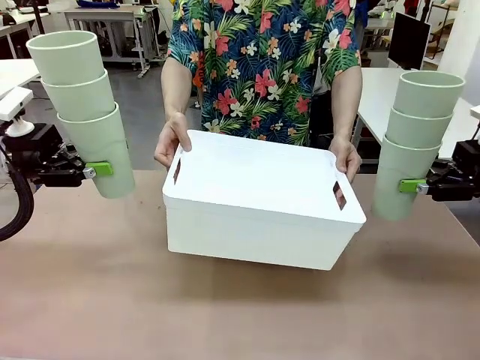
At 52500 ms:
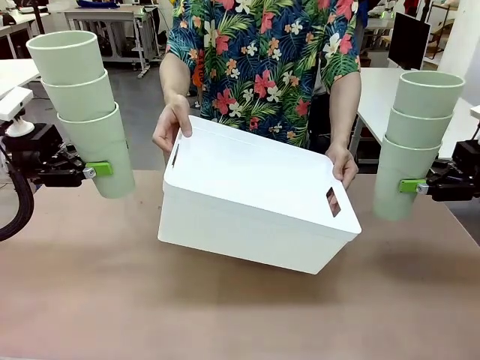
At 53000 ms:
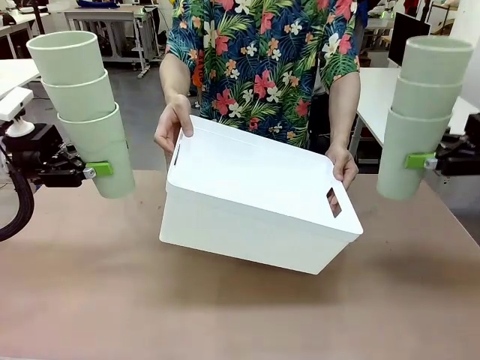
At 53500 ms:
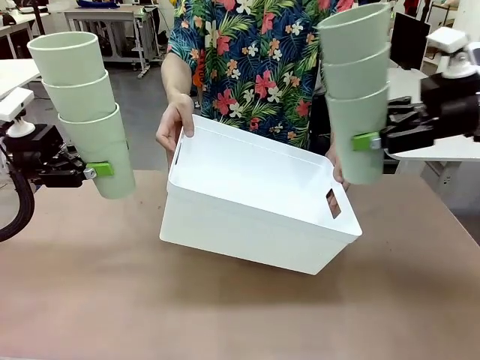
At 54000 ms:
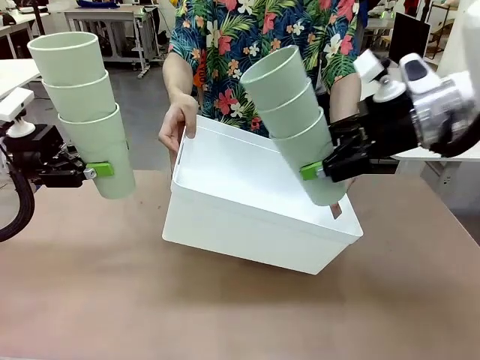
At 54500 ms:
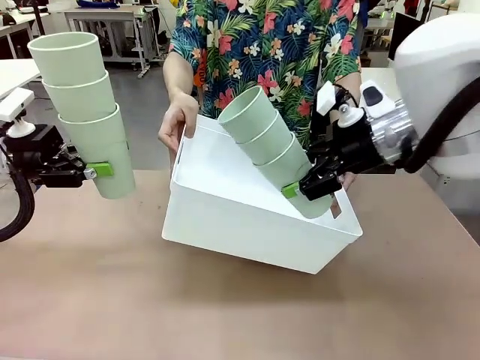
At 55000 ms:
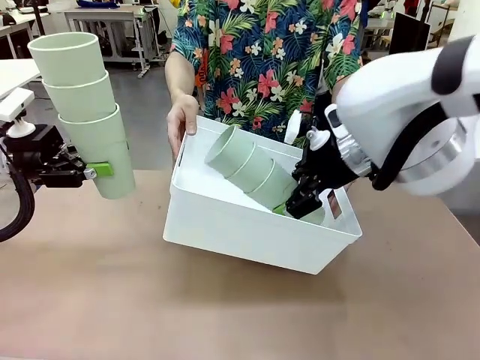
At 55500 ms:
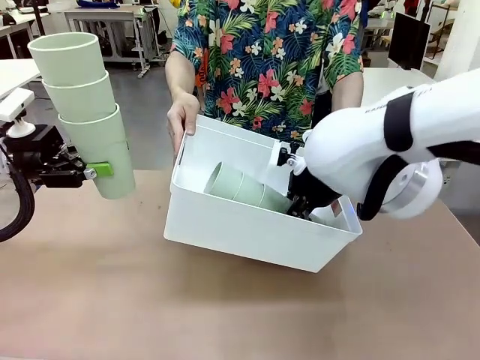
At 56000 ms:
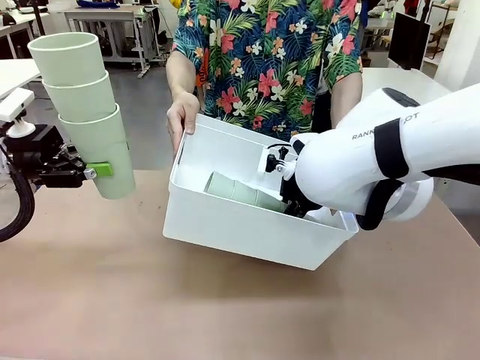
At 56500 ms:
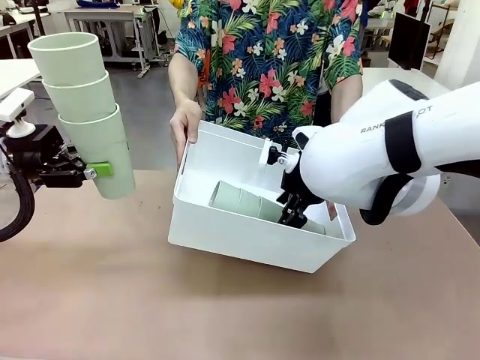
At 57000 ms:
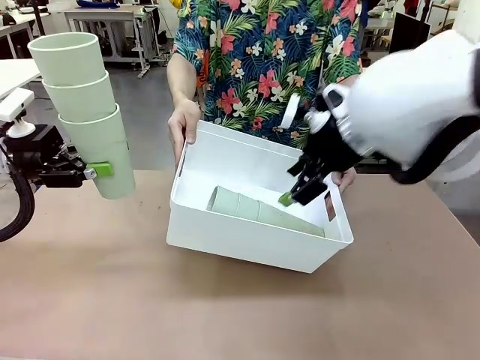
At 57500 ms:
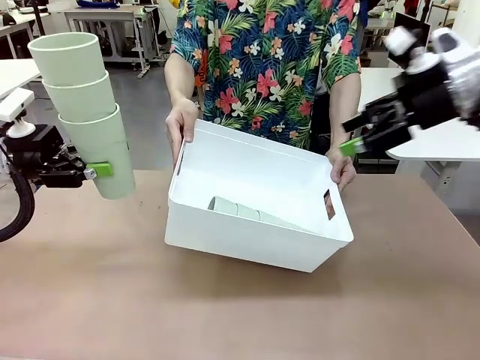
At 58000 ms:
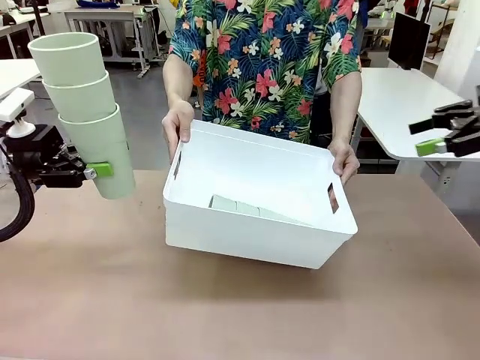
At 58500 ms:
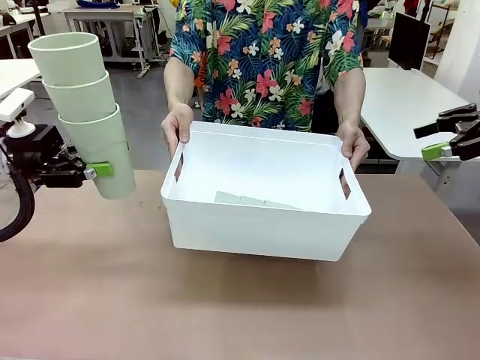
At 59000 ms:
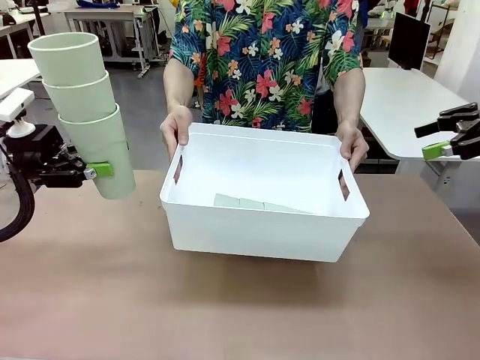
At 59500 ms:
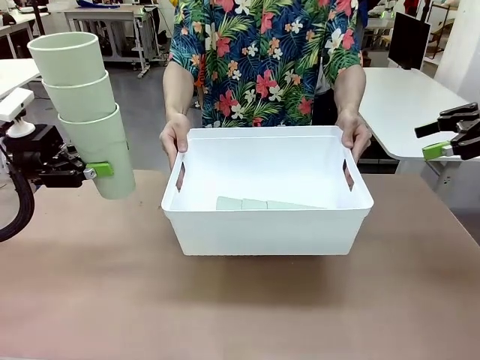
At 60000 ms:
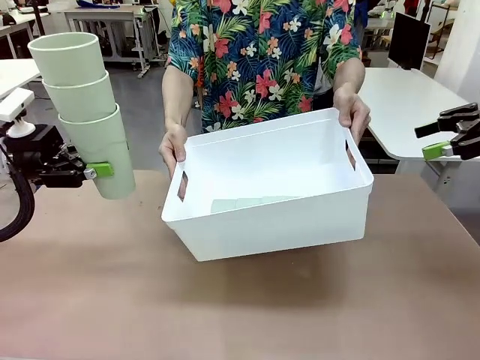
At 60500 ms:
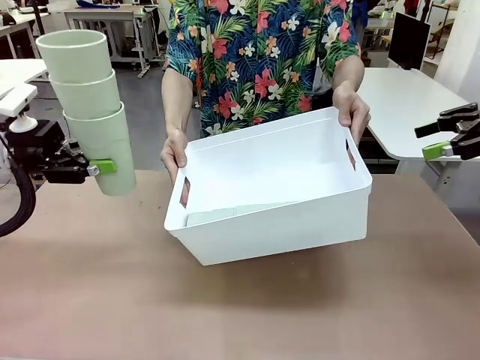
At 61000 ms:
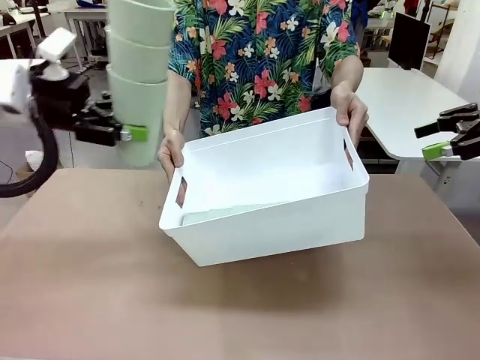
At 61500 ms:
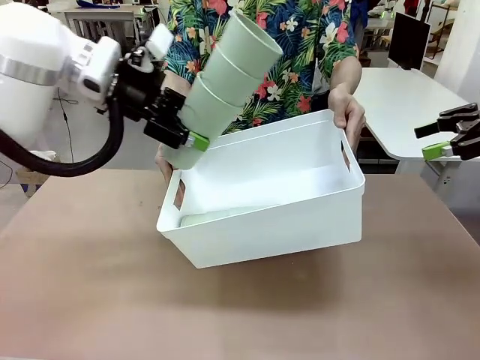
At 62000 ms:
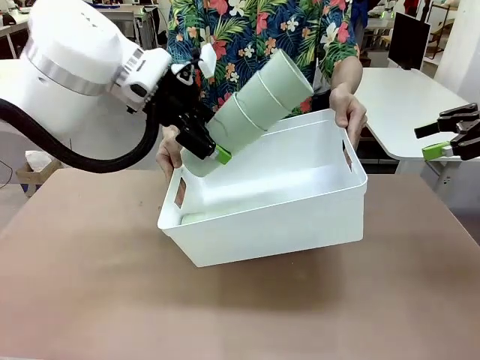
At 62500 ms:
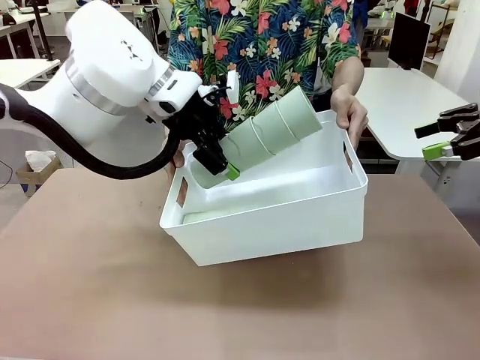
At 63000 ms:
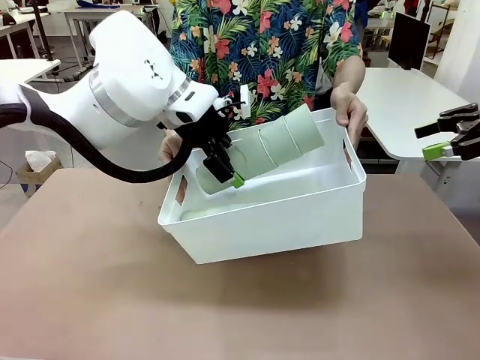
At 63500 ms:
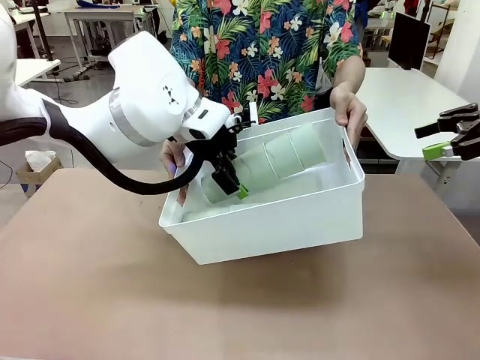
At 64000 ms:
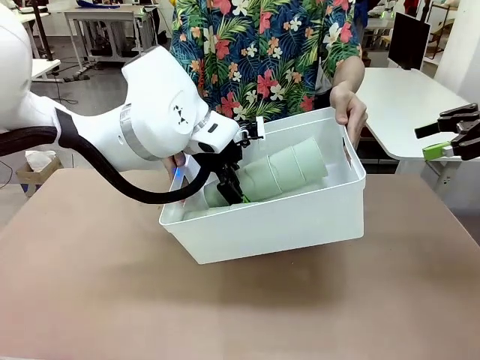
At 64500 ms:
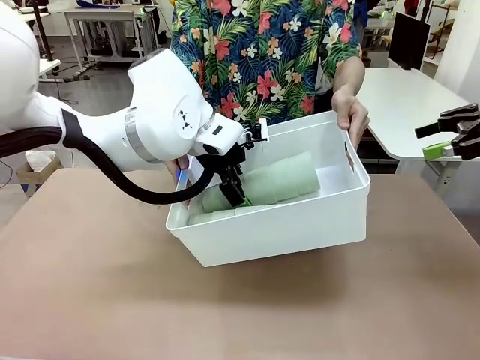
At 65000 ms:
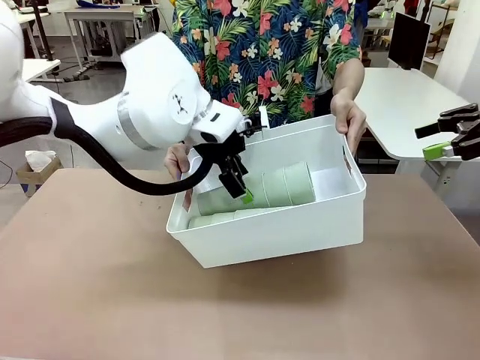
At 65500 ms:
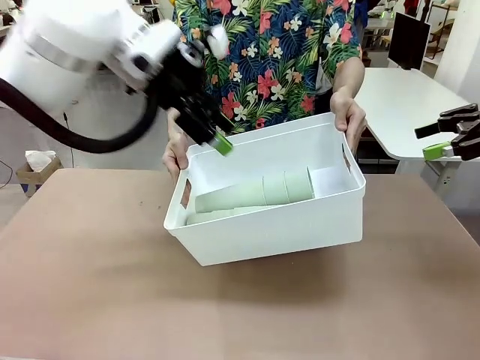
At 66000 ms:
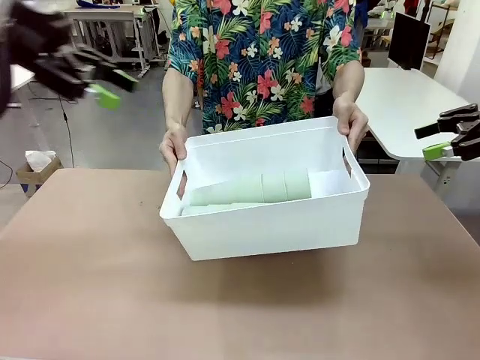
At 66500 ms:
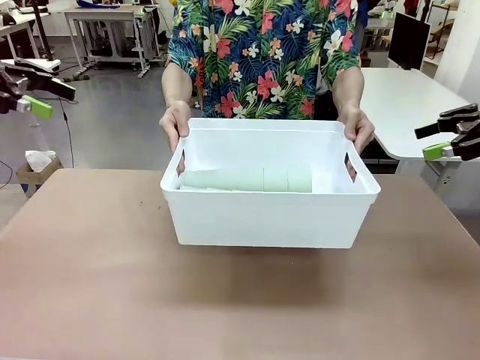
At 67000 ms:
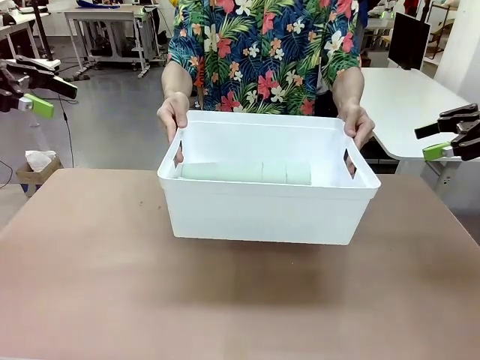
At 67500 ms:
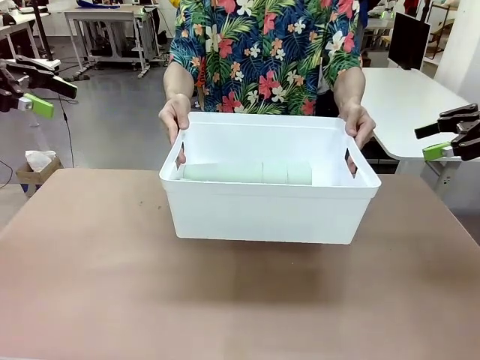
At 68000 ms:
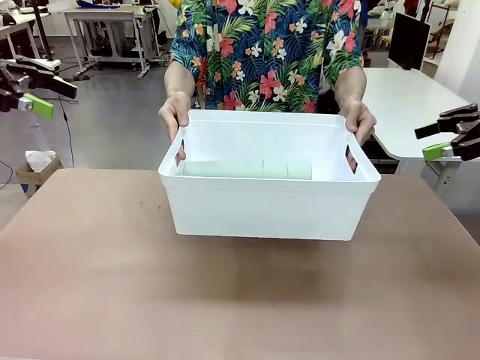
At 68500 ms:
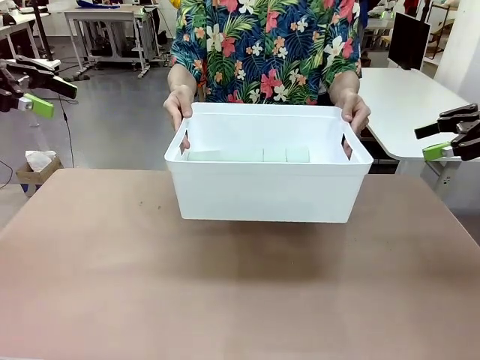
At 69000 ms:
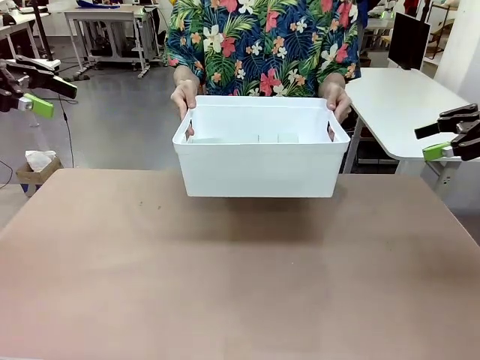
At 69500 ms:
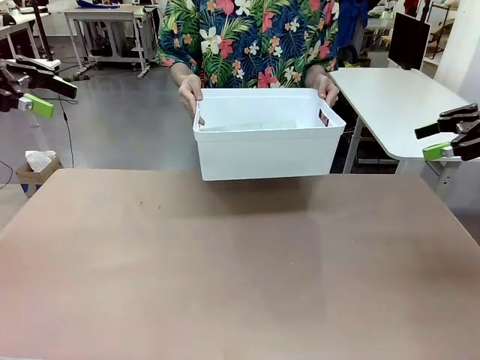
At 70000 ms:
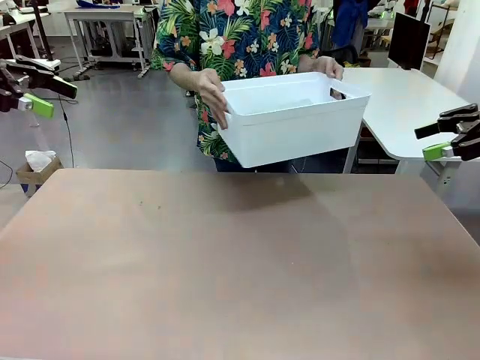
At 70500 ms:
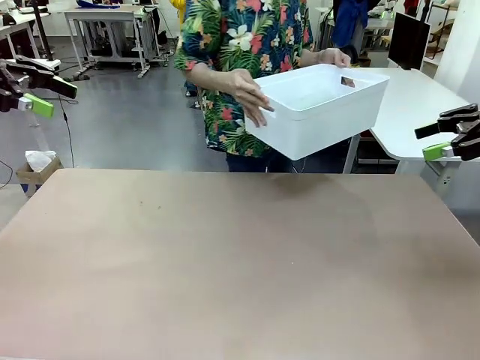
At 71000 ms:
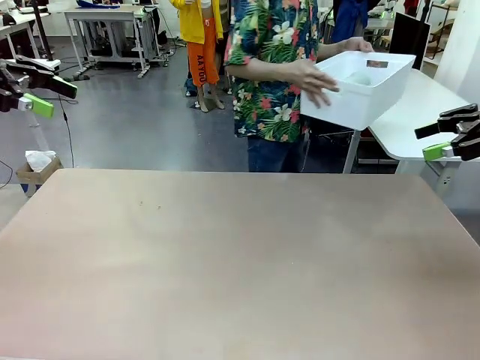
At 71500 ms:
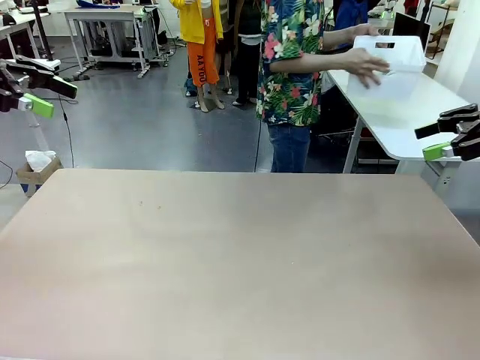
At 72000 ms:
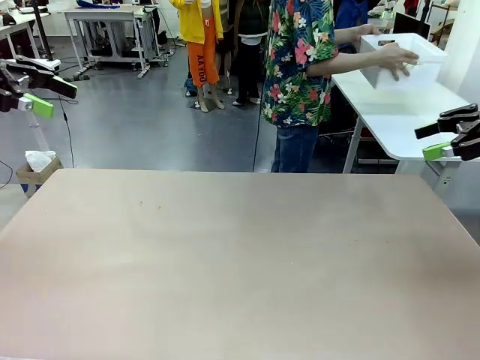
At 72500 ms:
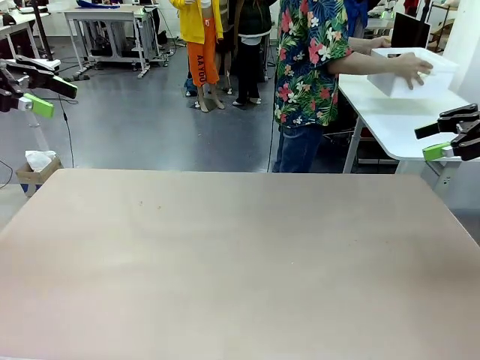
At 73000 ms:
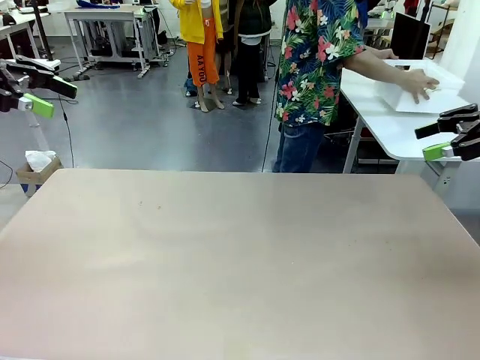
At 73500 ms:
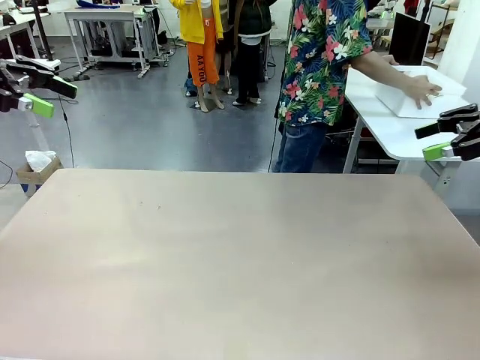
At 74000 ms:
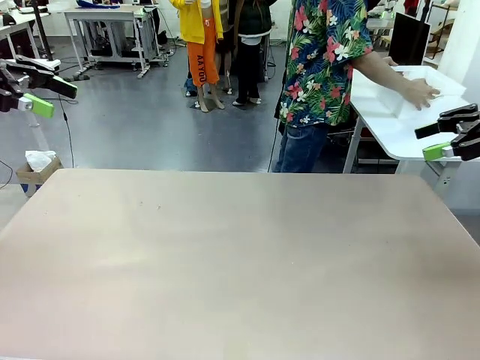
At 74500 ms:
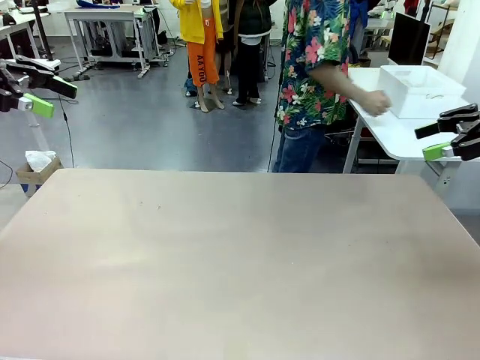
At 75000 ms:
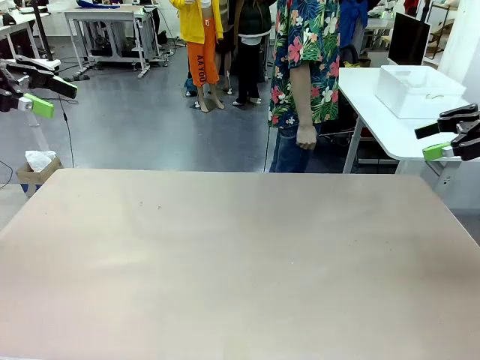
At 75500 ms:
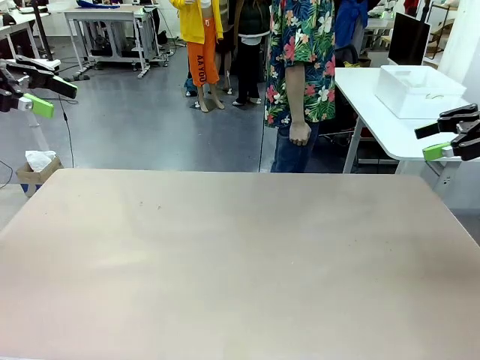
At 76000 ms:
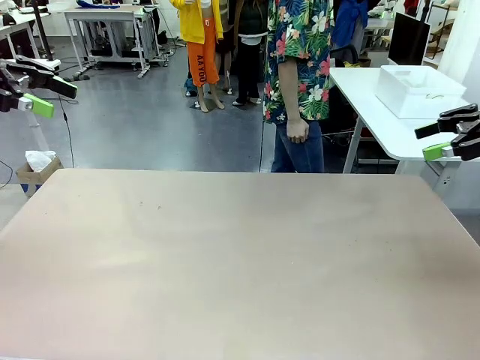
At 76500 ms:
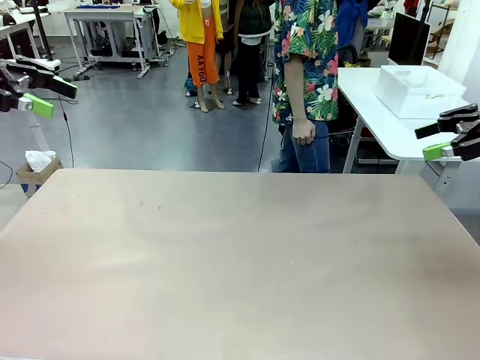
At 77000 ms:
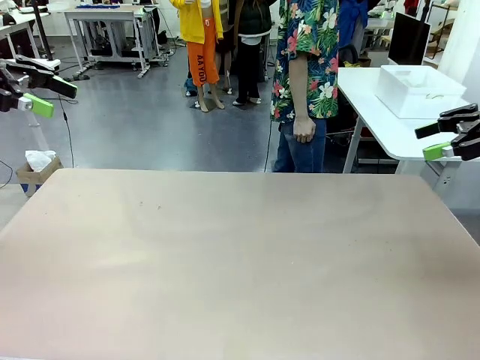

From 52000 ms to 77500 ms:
Task: Stack the cups and store them in the basket.
Robot: Place the stack of Reusable plastic cups into the Pantry Basket.
Person: Place the basket containing the cups in the middle of the Human Table.
